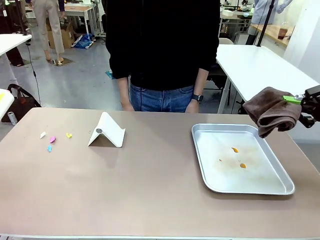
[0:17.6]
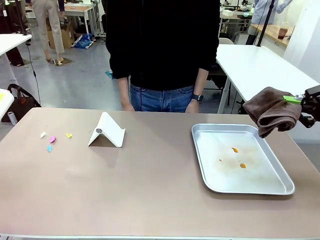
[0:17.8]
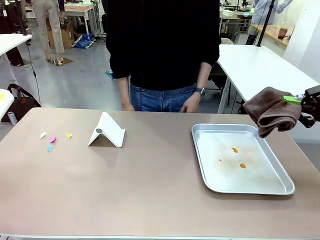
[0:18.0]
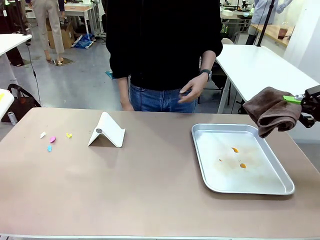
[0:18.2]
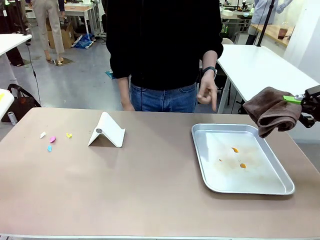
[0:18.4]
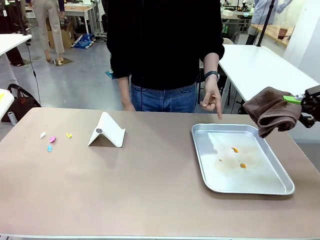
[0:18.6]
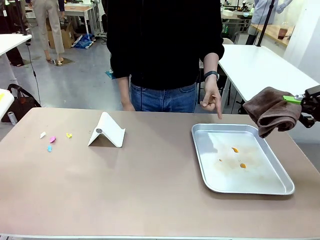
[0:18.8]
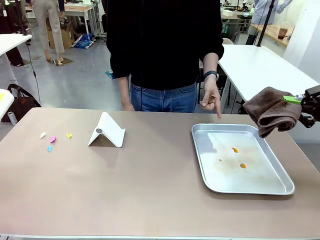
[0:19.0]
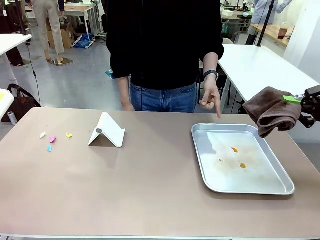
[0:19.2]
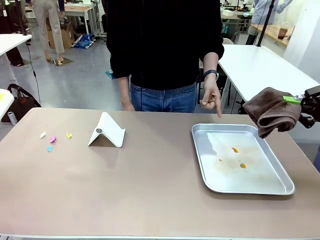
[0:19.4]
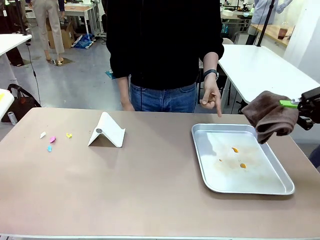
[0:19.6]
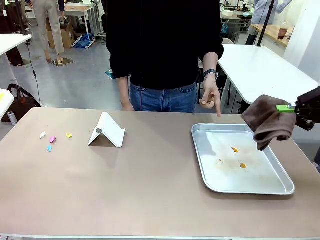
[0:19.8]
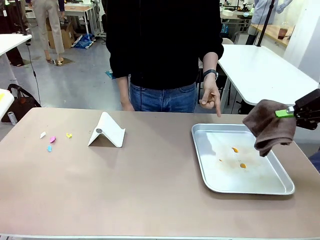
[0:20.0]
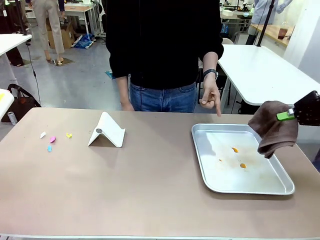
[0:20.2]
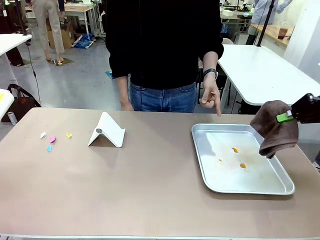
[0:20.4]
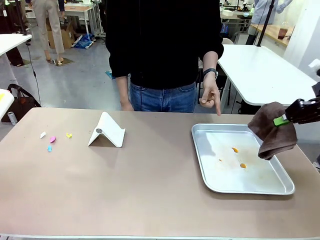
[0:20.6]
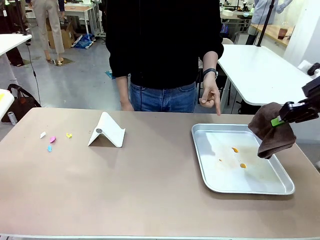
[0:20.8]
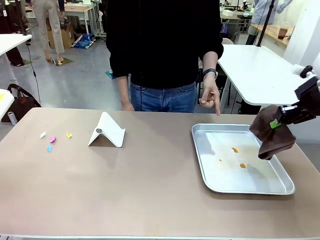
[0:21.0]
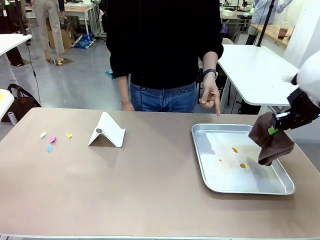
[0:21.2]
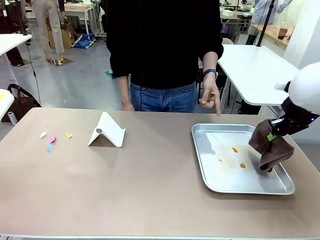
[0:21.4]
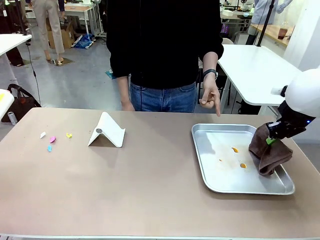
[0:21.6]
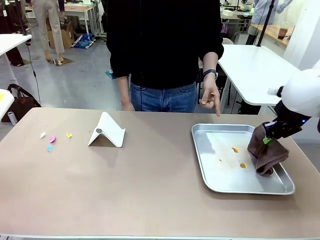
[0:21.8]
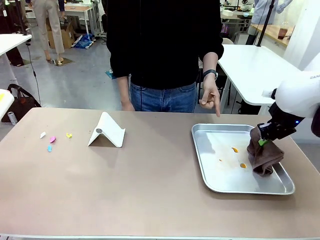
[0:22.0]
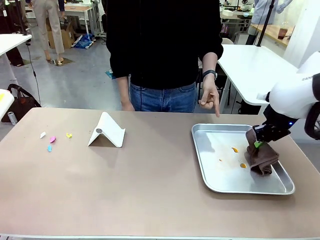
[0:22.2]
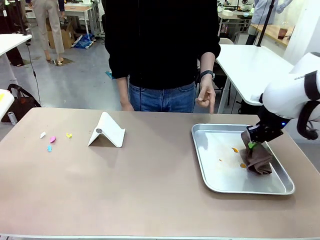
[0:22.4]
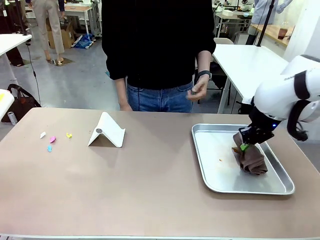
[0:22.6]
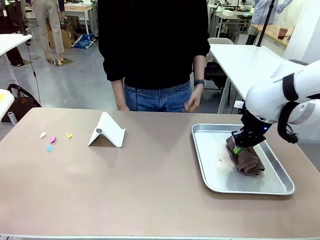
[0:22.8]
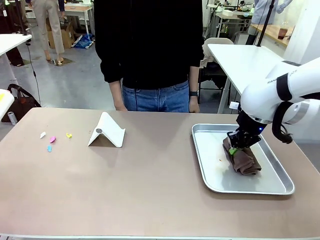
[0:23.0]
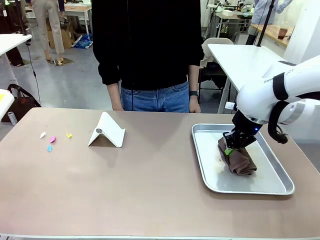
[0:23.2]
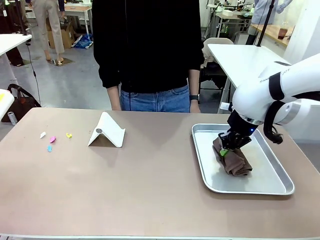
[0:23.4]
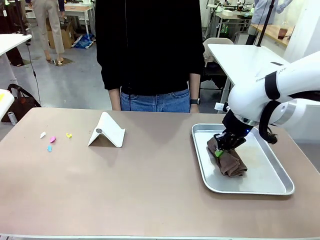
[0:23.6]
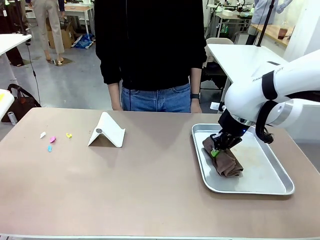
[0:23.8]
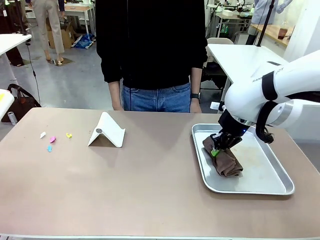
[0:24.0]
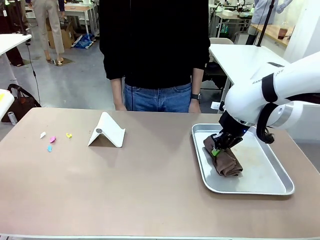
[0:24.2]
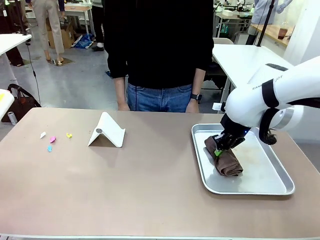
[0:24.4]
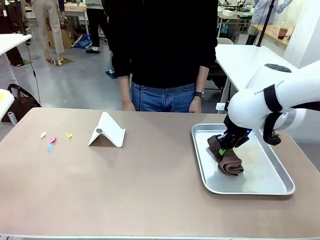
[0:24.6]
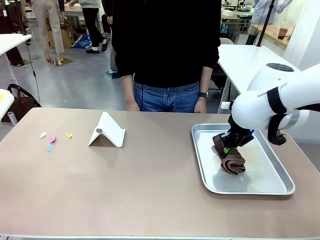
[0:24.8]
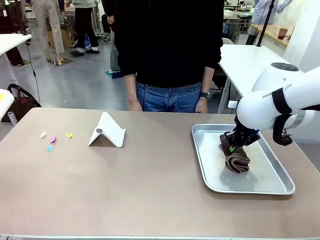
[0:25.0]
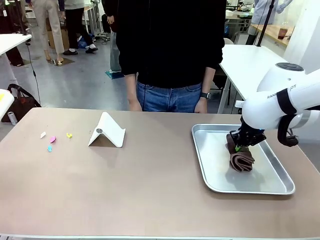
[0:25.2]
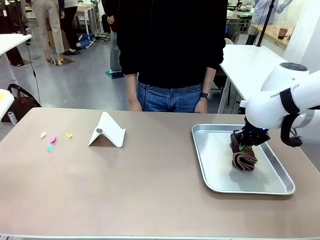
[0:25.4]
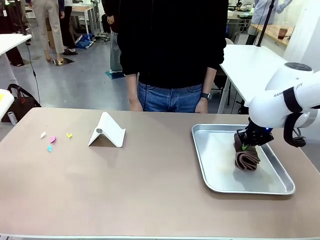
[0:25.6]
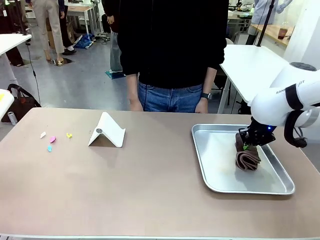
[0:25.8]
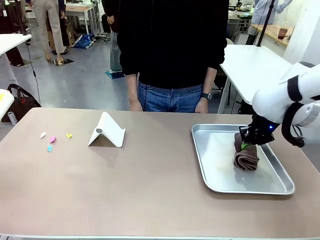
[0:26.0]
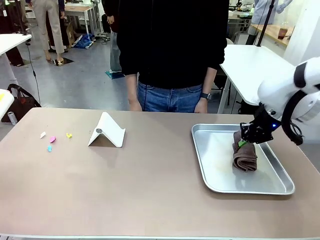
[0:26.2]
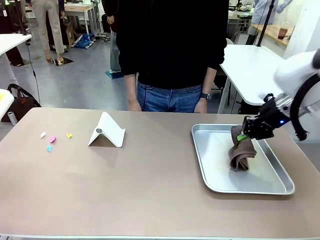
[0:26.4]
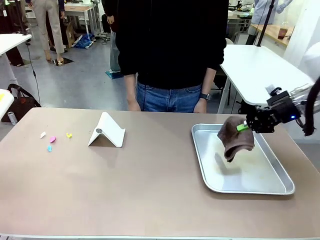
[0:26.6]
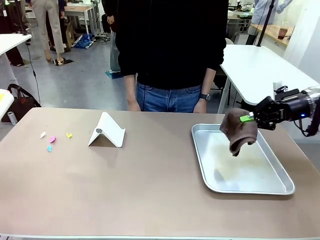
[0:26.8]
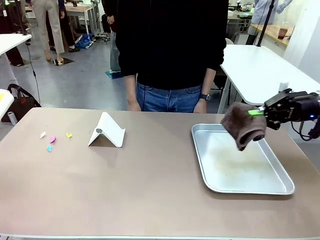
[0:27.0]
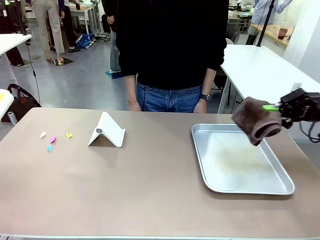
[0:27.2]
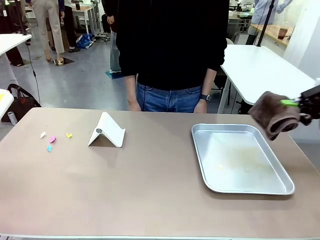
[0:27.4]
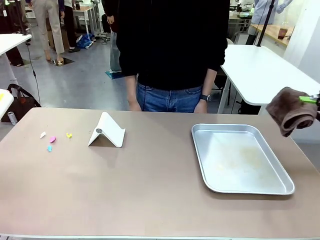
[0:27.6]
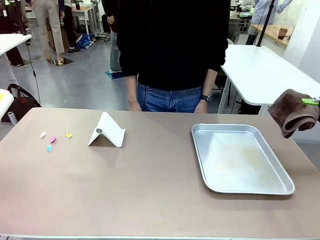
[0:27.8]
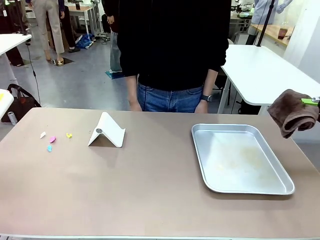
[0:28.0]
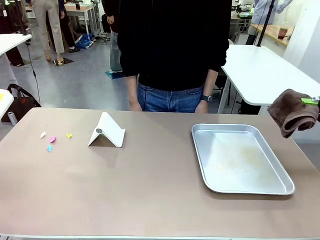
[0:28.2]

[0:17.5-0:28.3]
Task: Clean the surface of the table.
Robot: If a person points to the right, clean the right side of the table with your right hand, and if they point to the left, clean the left side with your left hand.

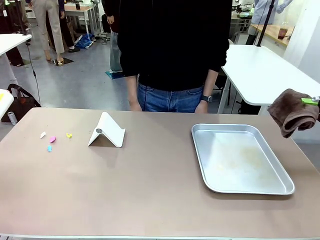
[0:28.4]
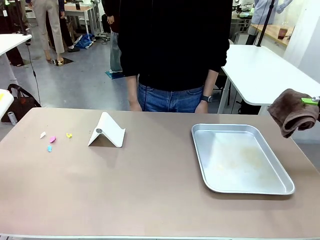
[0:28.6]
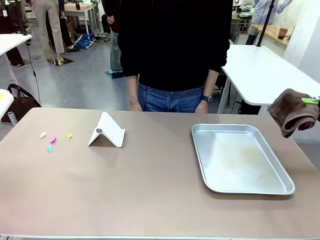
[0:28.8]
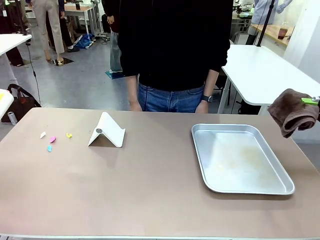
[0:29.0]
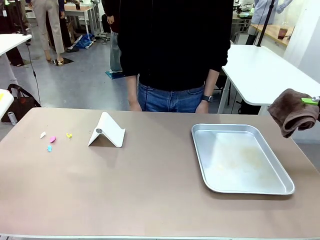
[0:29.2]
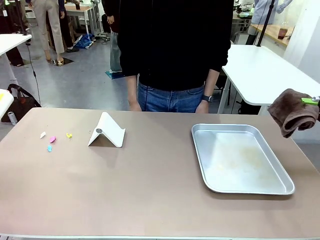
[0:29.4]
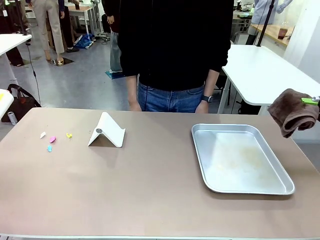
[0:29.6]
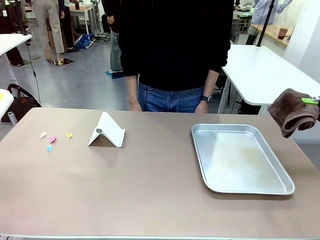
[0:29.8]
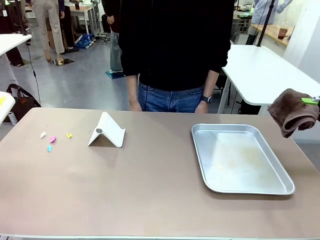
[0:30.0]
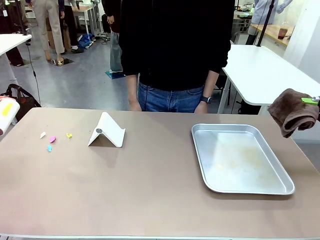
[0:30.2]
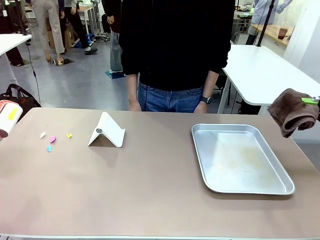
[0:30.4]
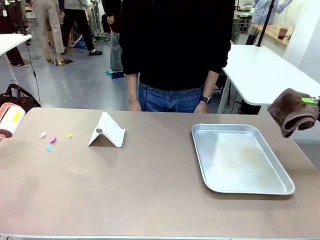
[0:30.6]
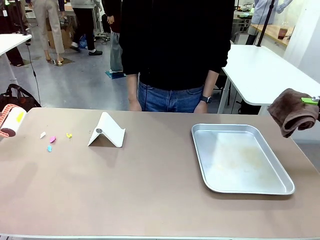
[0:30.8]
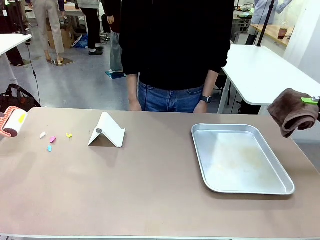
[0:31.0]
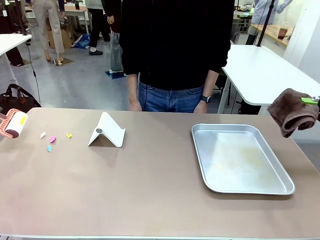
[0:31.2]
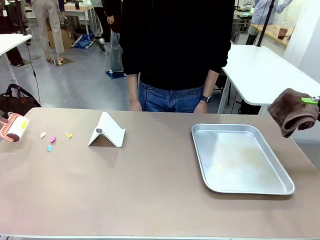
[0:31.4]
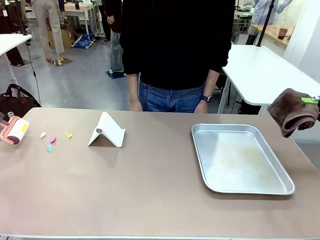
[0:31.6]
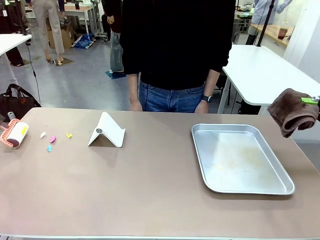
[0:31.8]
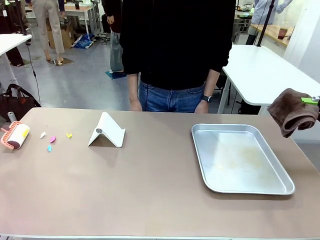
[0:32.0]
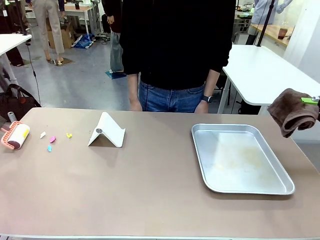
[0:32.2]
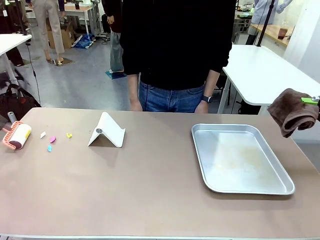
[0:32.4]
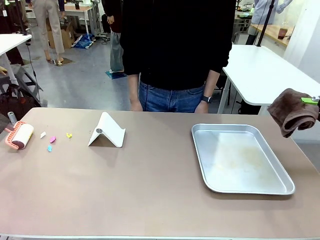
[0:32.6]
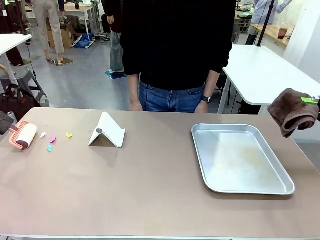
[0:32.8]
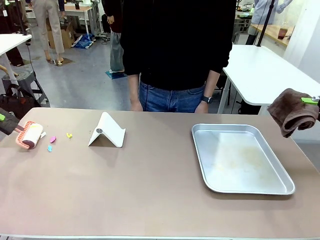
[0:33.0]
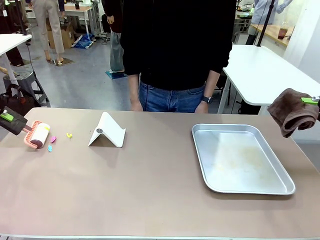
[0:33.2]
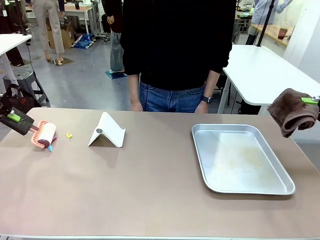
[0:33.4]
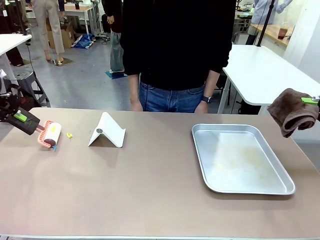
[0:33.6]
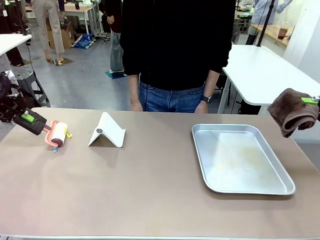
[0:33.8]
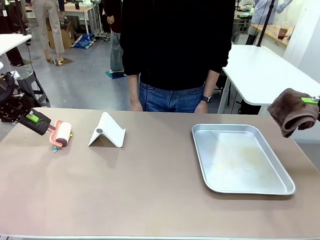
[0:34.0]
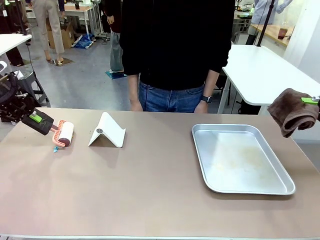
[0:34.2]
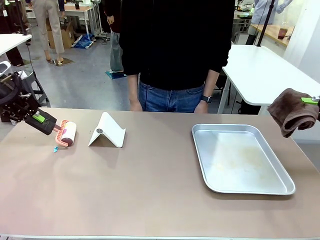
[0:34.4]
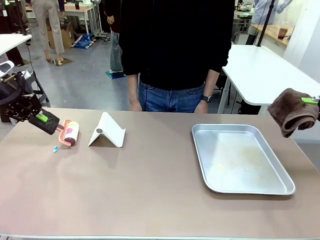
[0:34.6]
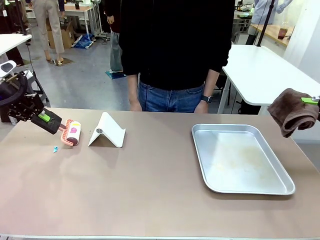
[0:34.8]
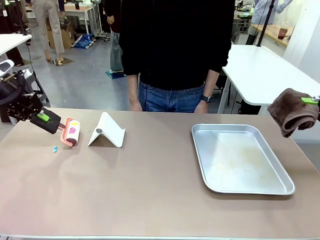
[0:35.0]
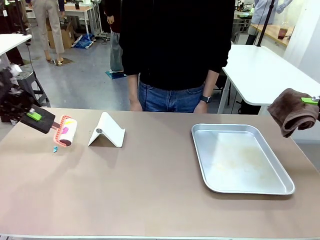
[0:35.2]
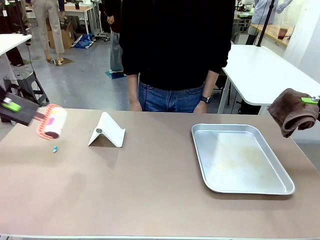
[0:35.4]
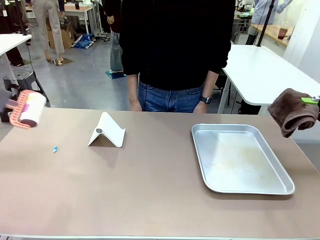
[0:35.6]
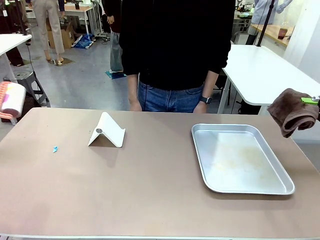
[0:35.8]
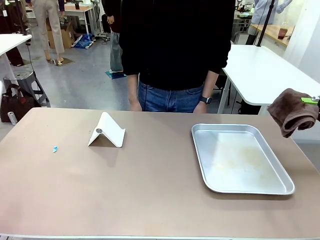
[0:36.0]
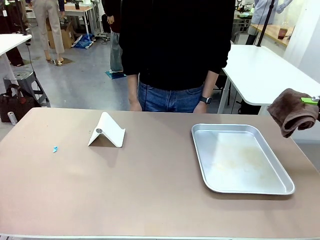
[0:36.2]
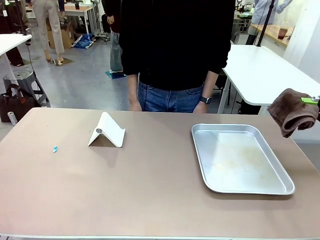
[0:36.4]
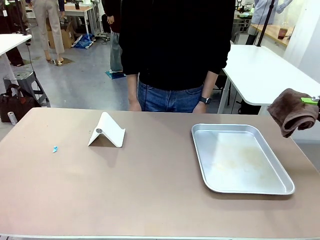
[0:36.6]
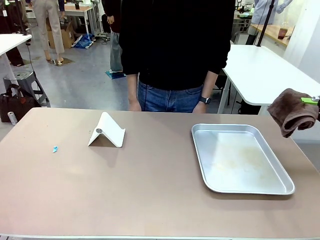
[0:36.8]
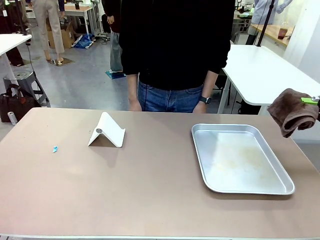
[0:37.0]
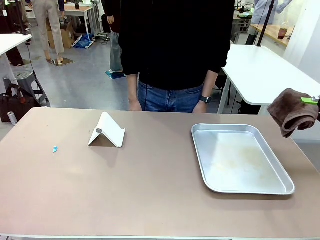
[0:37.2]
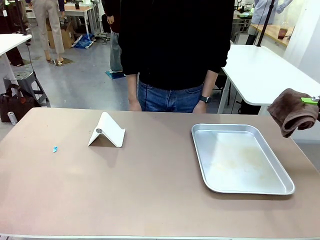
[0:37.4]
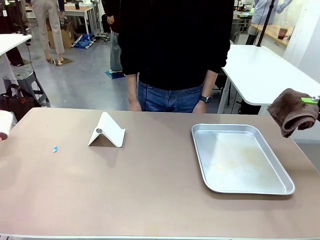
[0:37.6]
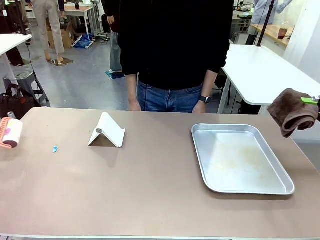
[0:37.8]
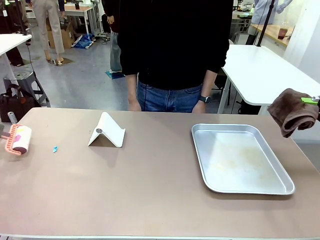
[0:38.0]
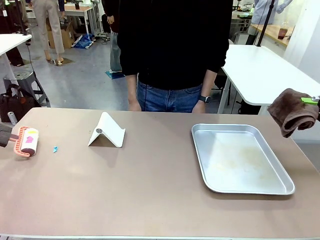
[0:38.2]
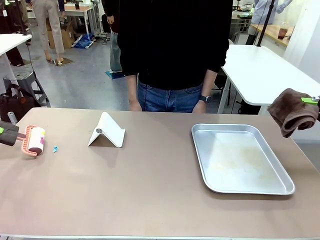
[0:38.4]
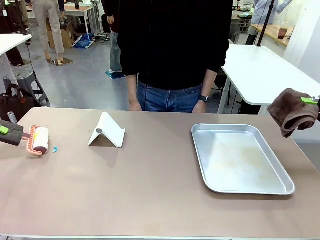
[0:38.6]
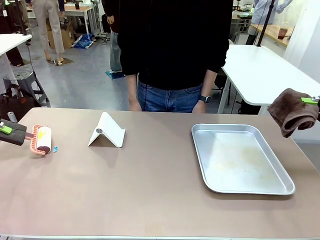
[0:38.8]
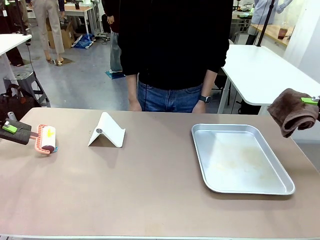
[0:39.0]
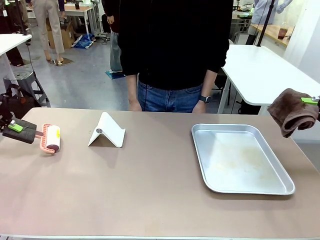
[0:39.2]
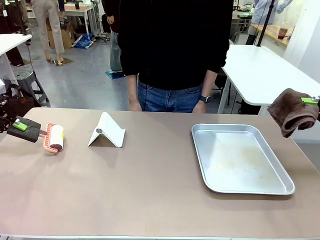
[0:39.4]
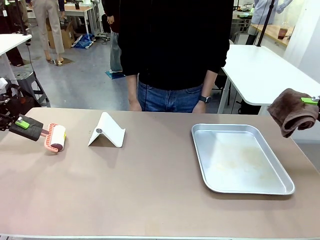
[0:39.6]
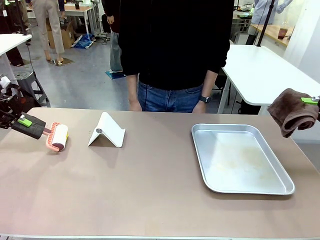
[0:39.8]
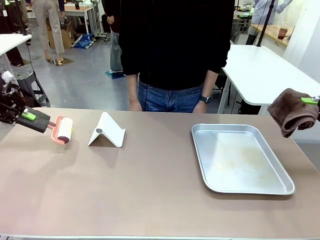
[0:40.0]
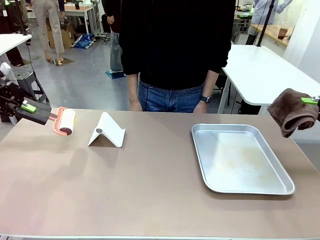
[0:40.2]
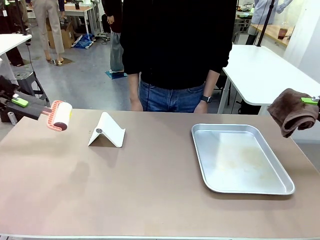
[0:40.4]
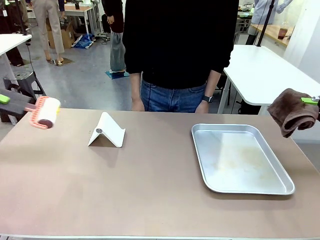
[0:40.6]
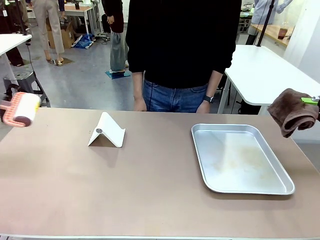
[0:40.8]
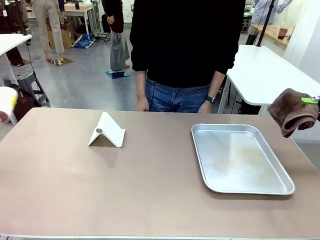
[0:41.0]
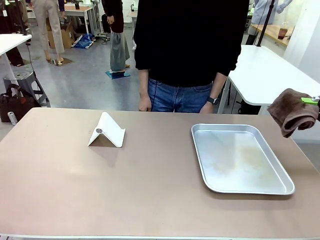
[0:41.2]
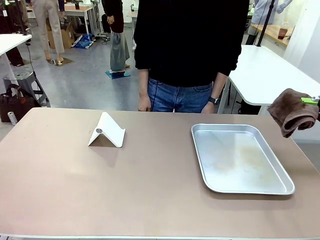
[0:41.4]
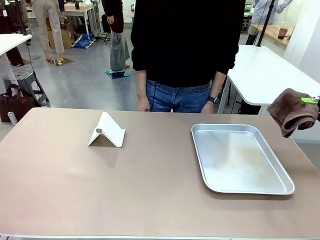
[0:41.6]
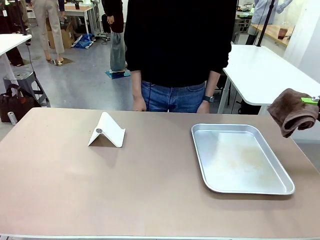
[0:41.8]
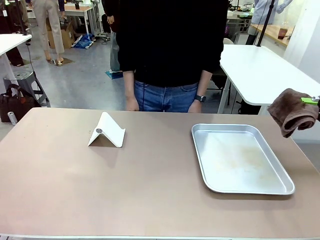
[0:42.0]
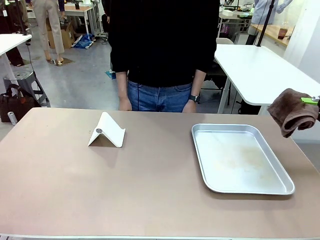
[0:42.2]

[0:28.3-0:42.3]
Robot: Clean the area not pointed to by the person.
